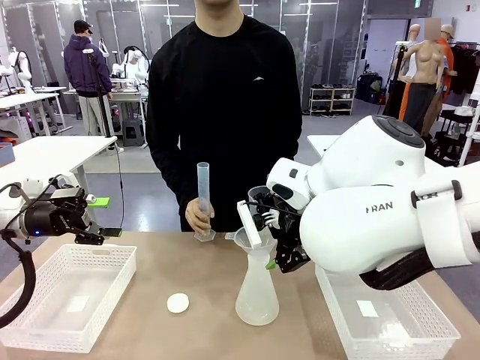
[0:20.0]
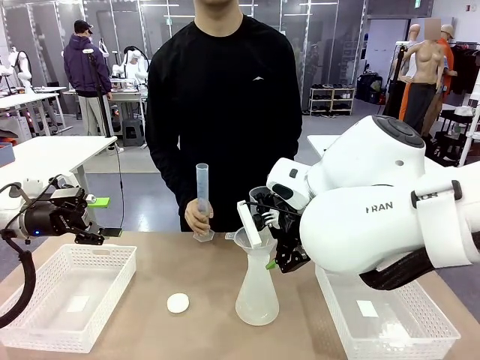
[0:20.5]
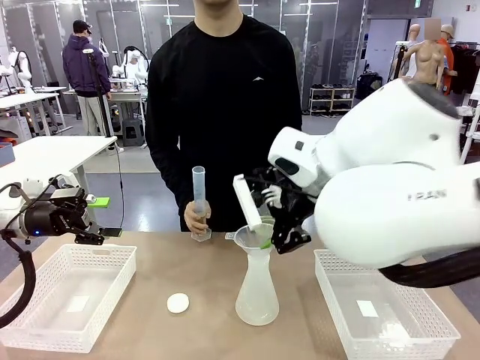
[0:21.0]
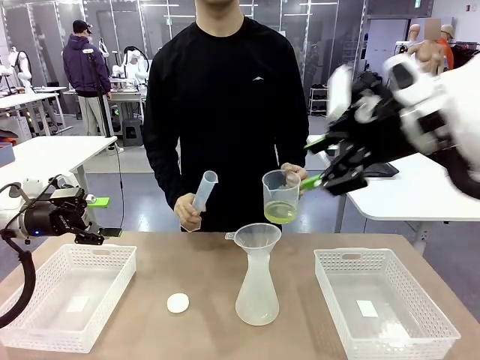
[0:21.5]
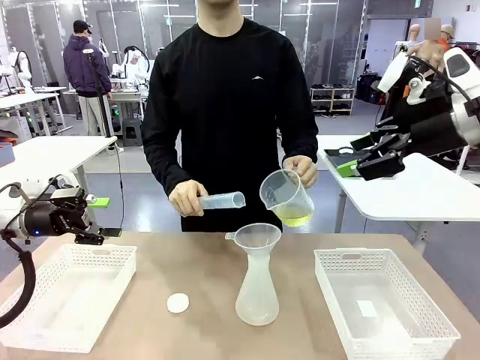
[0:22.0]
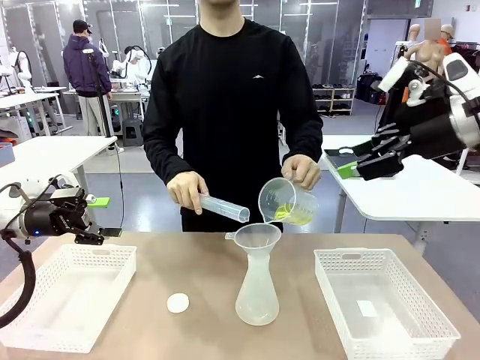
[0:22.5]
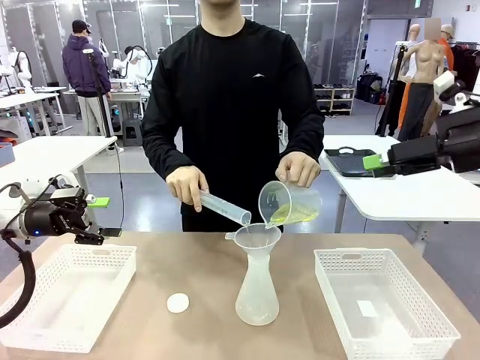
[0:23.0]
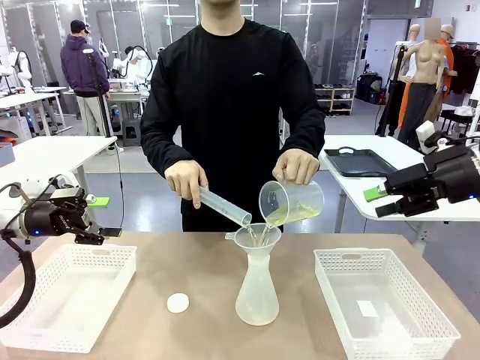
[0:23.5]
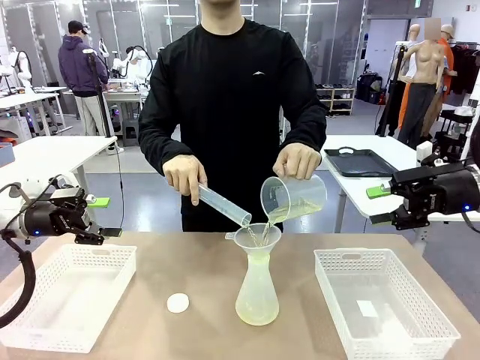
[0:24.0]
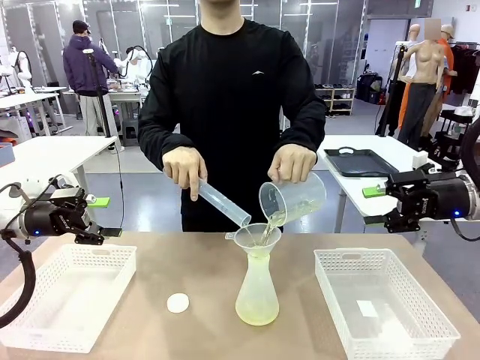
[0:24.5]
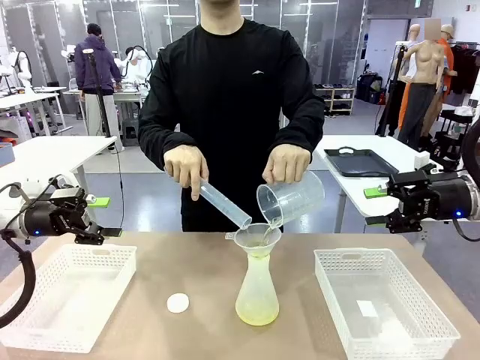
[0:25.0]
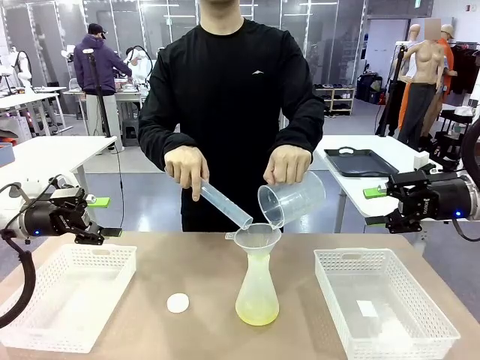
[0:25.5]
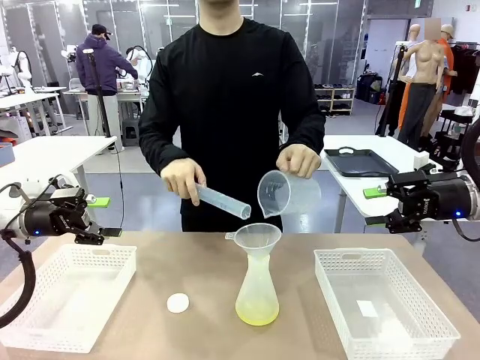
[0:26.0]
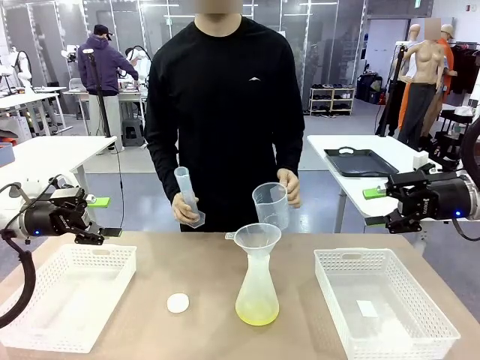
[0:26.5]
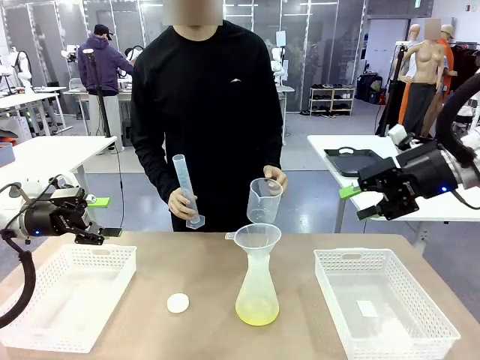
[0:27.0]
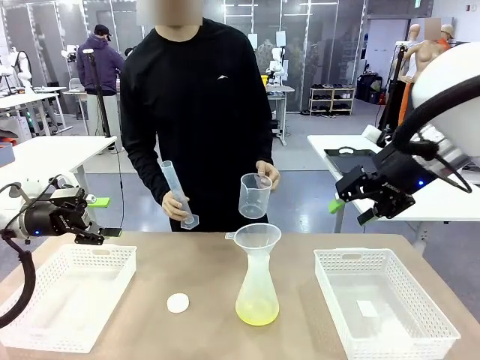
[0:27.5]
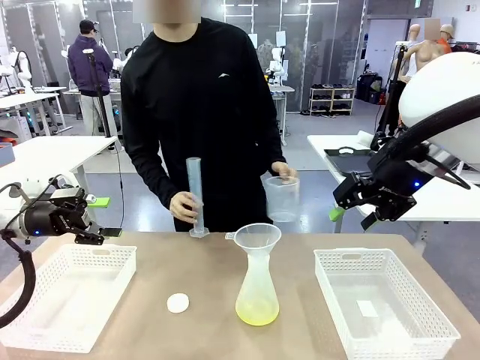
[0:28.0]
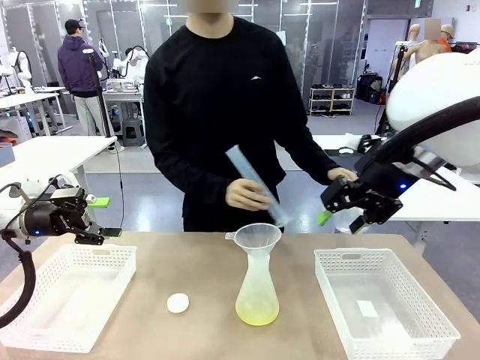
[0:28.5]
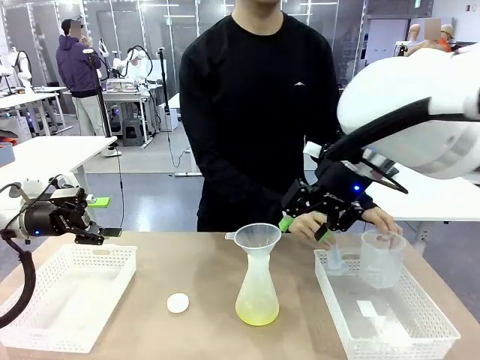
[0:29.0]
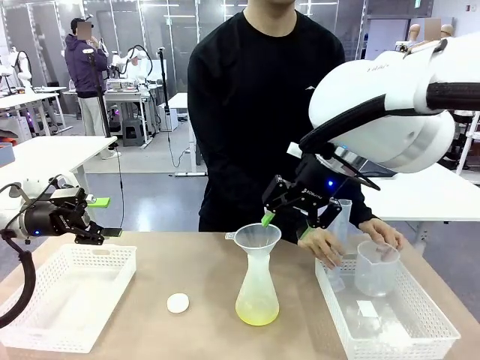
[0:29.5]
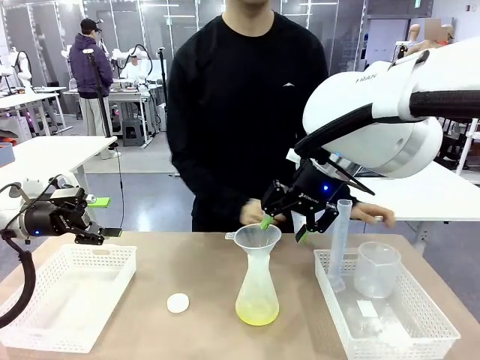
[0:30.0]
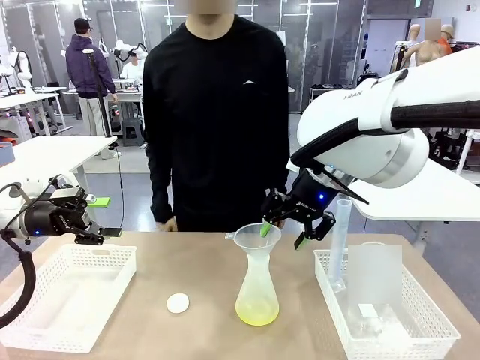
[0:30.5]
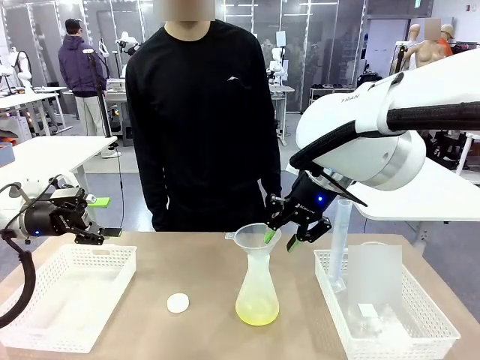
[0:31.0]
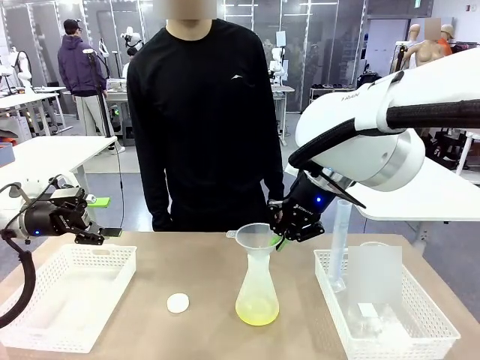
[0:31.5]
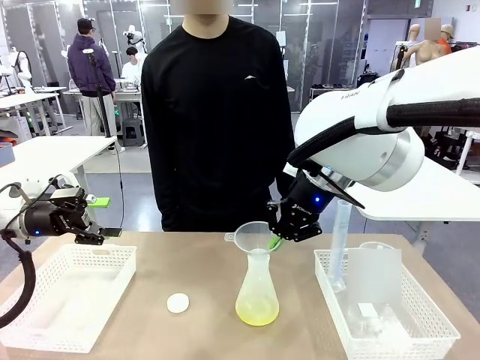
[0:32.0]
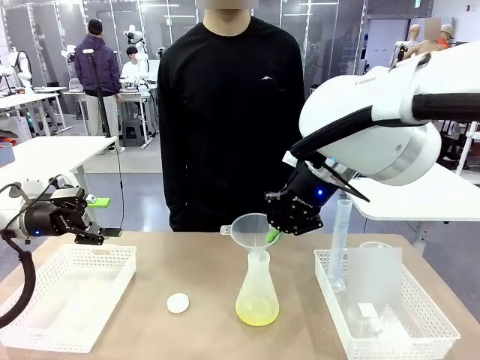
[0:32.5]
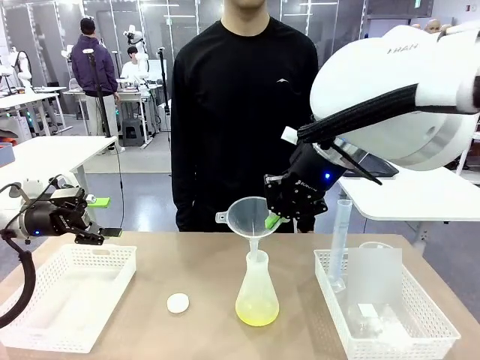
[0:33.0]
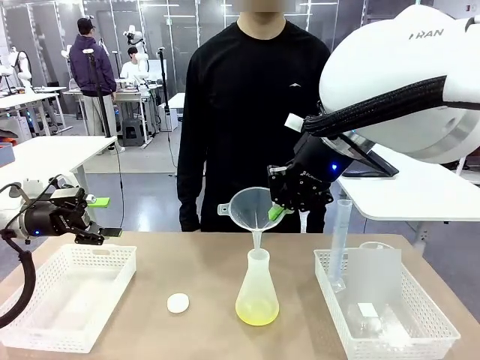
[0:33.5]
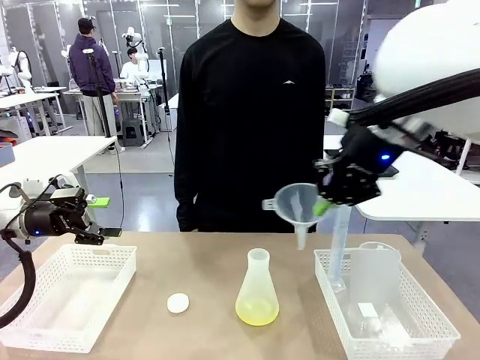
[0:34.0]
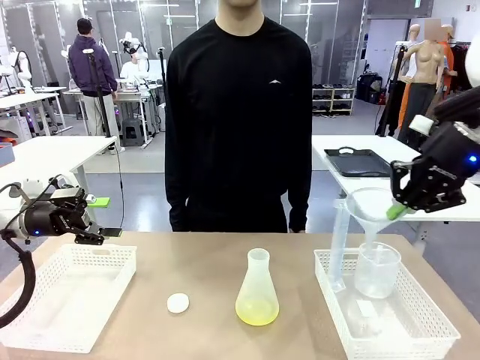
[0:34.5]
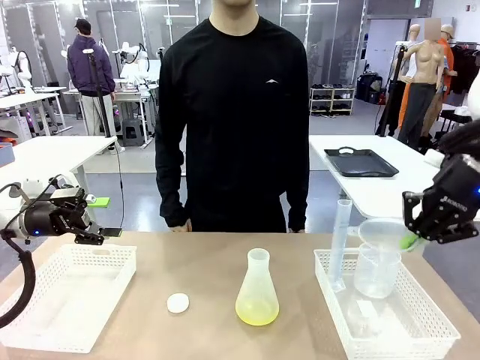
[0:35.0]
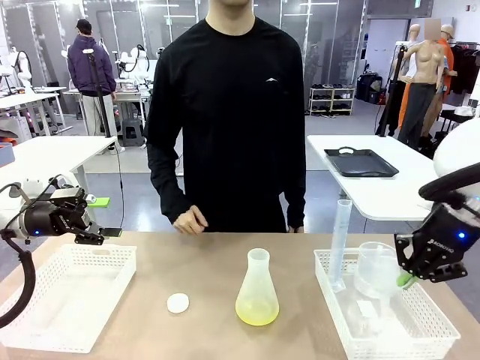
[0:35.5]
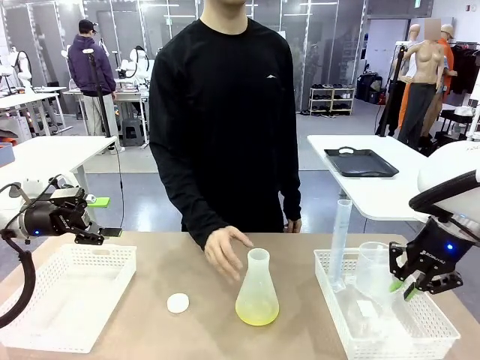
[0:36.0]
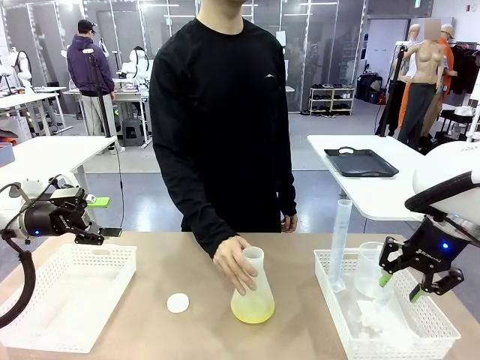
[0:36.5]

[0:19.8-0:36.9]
Task: Prepare the solutions needed for the experiment.
Robot: Once the solution is in the Big flask , pick up the Plastic Funnel and place it back into the right Organizing basket.
Person: Place the beaker and the cylinder into the organizing basket on the left side.
